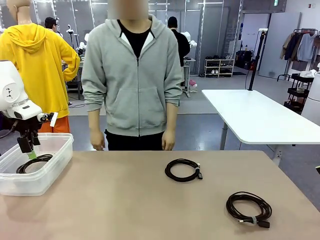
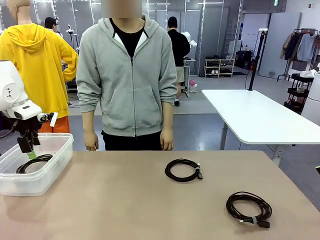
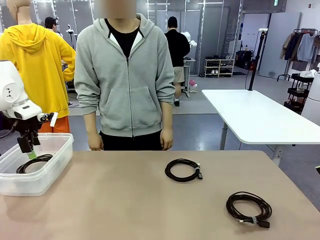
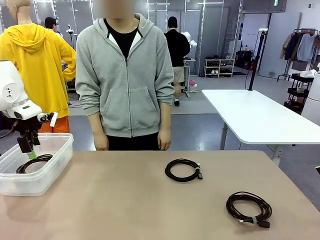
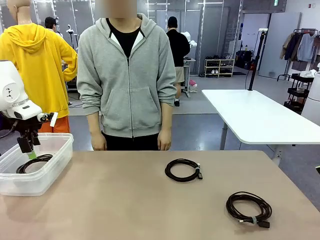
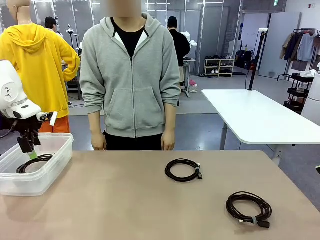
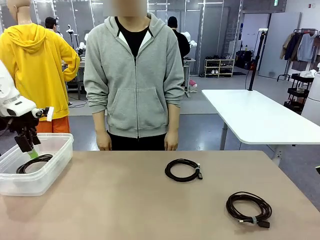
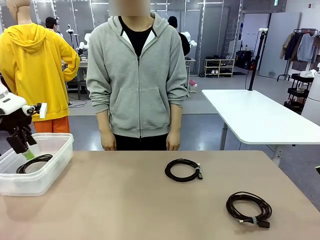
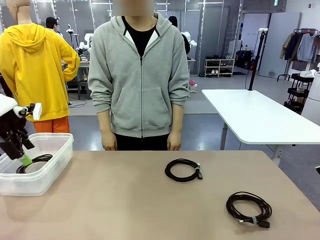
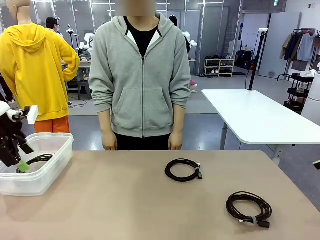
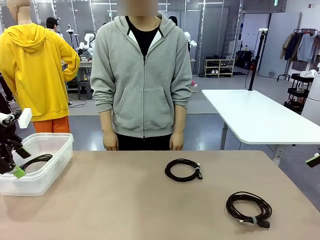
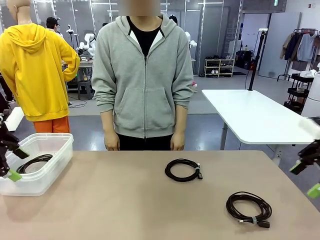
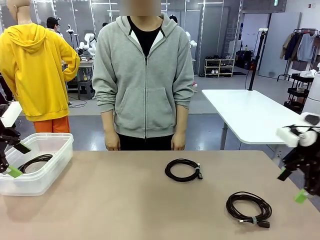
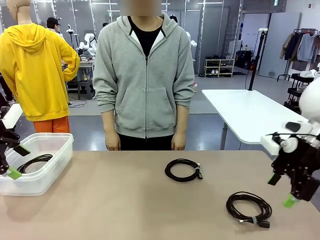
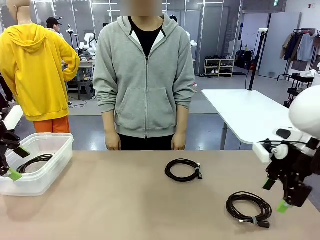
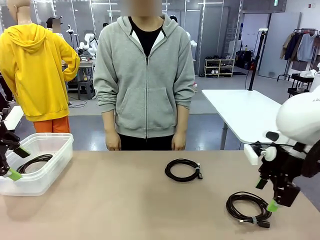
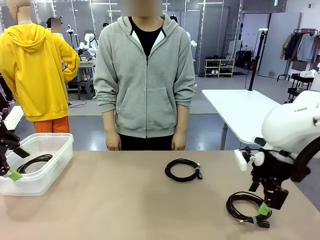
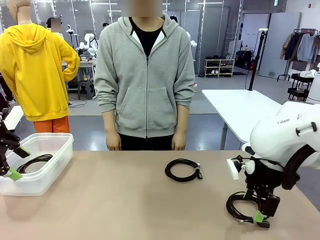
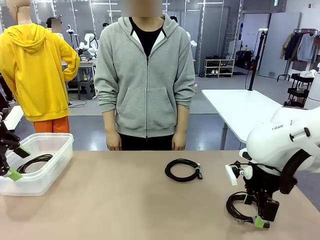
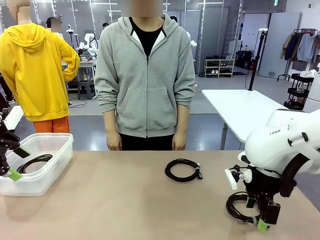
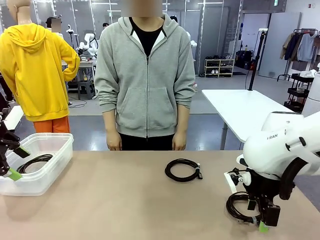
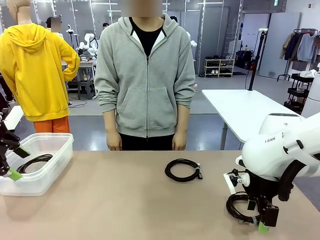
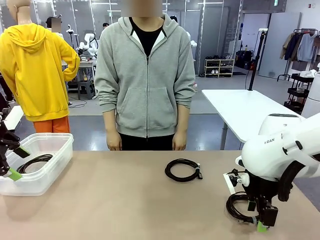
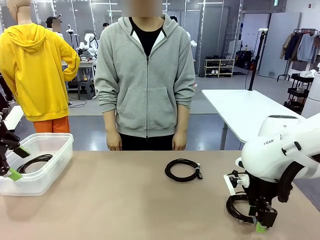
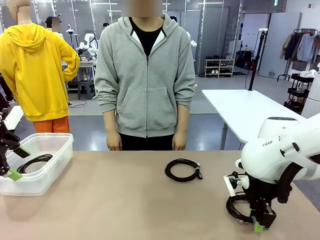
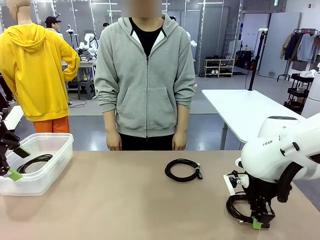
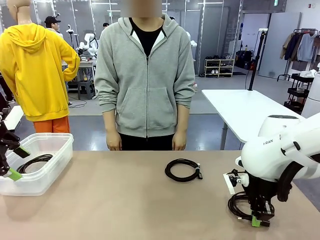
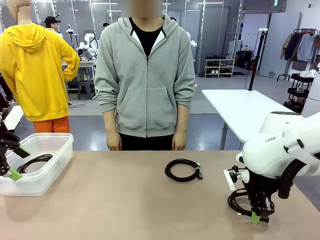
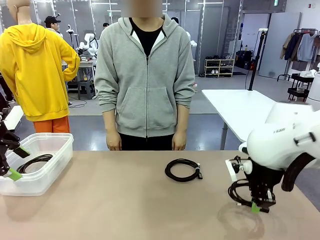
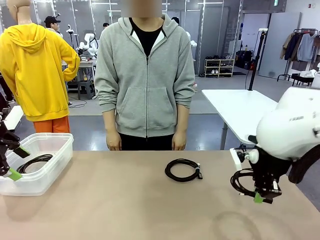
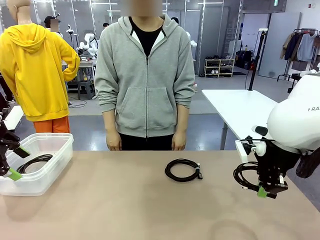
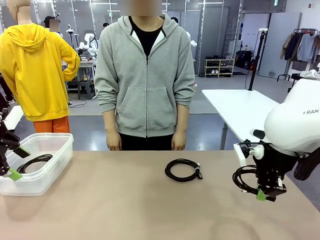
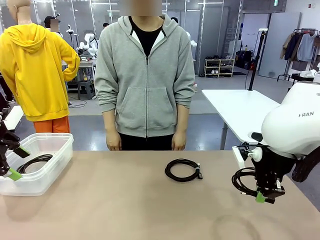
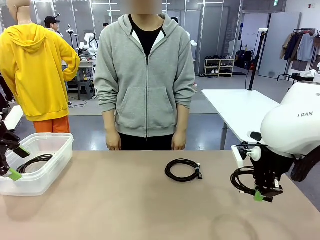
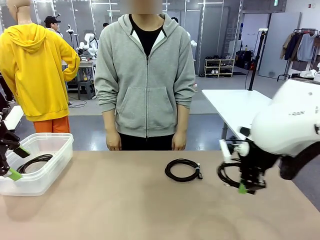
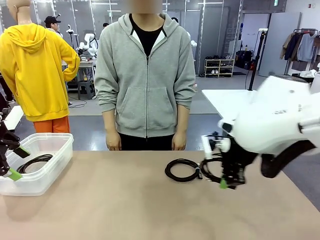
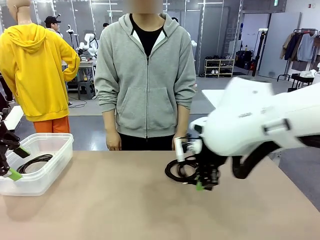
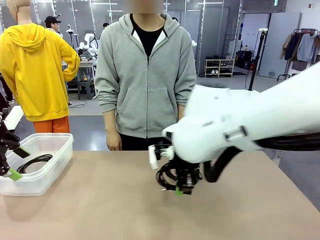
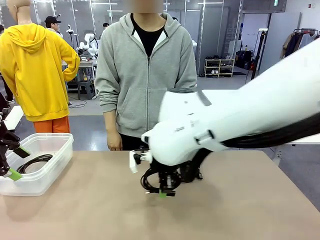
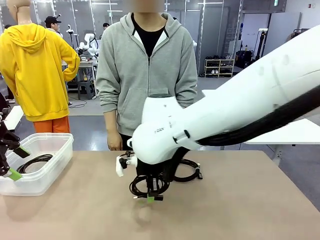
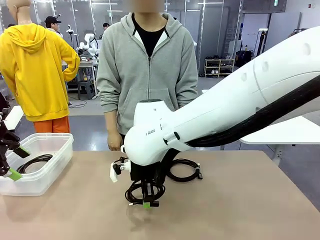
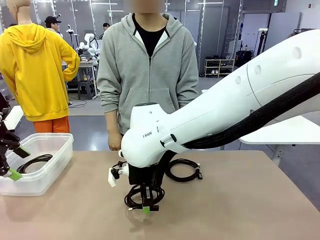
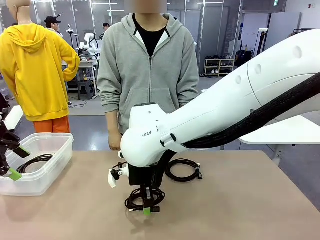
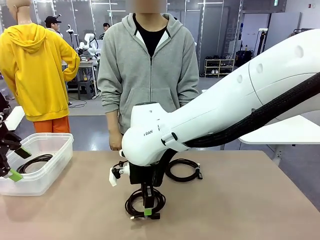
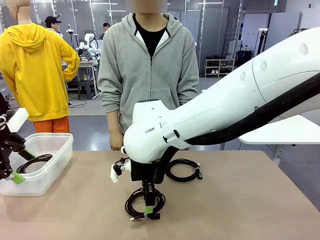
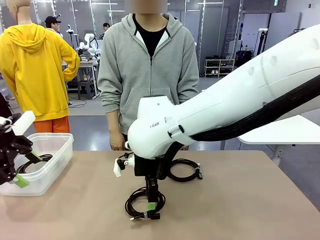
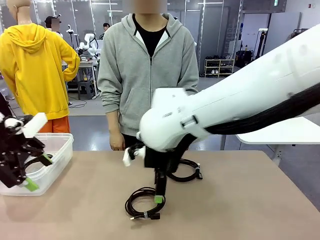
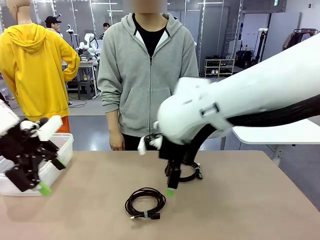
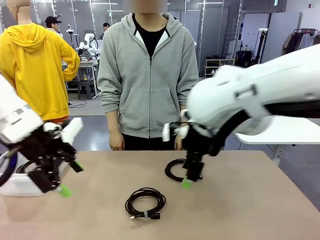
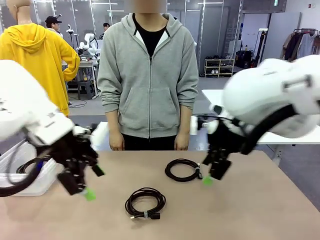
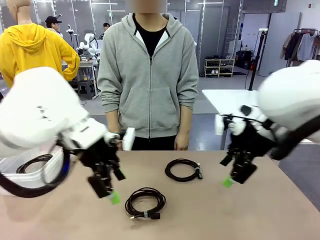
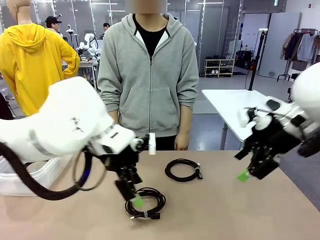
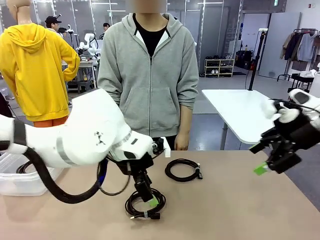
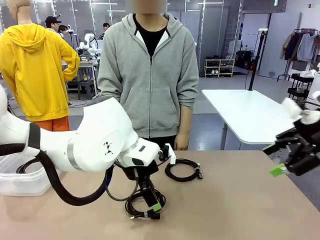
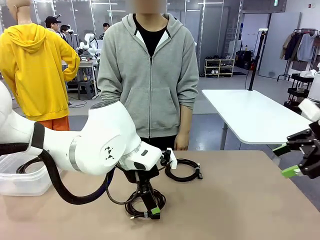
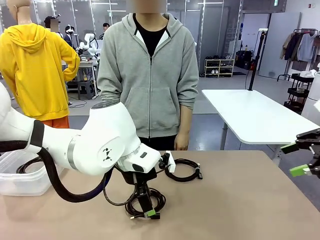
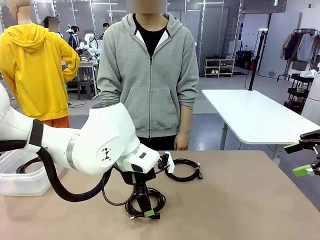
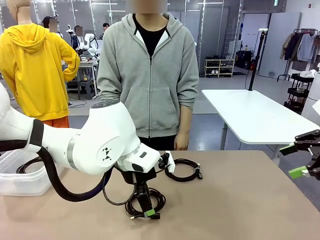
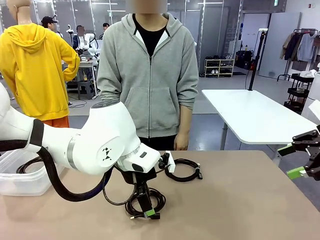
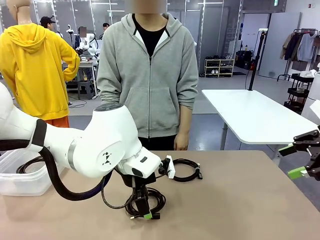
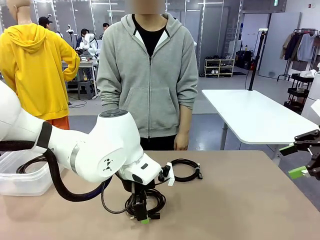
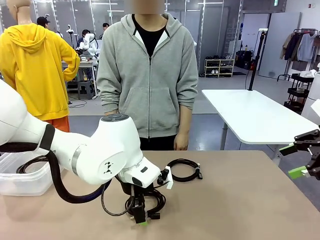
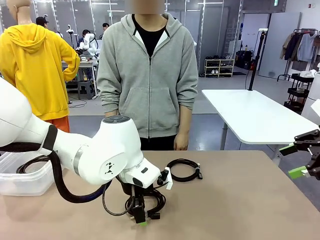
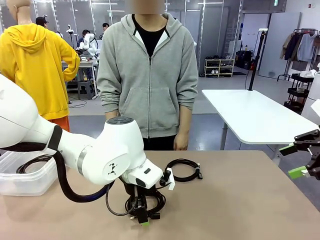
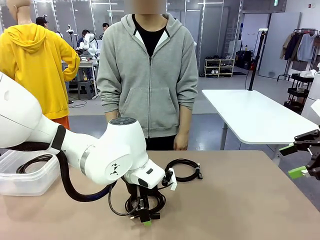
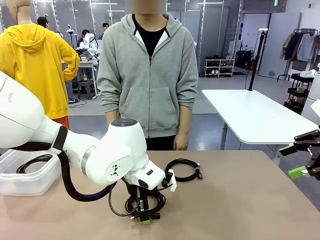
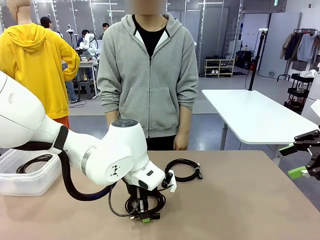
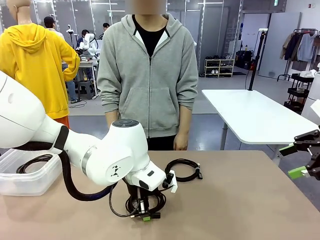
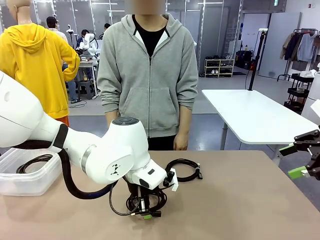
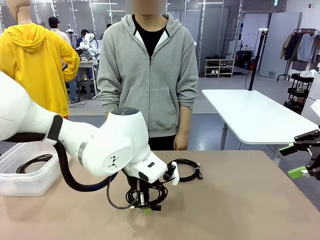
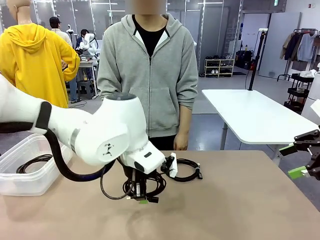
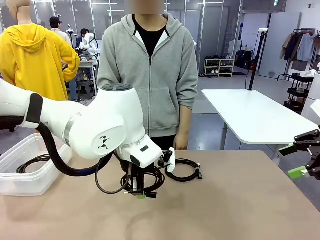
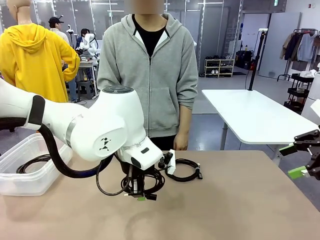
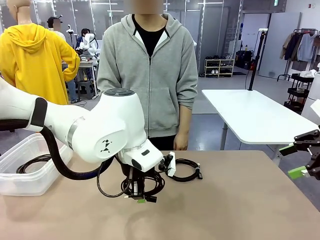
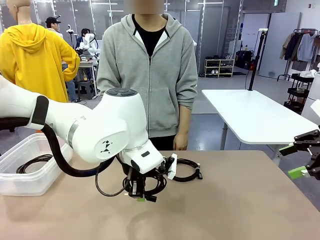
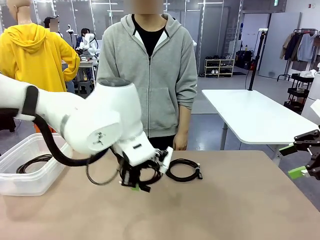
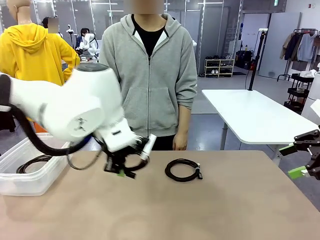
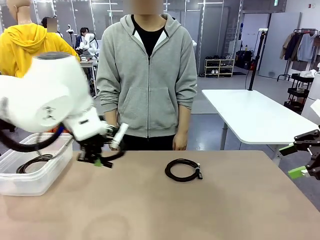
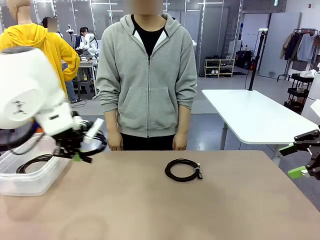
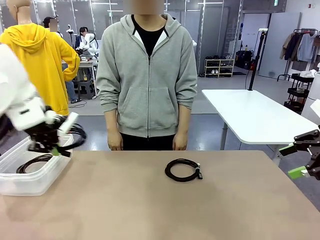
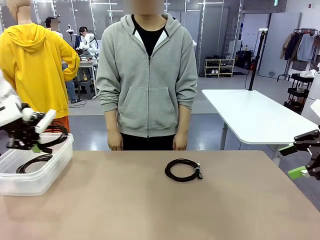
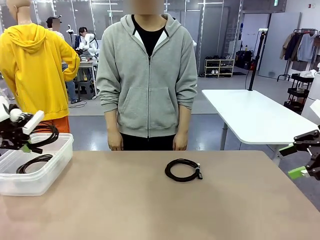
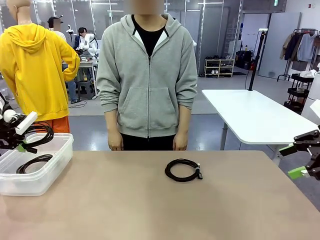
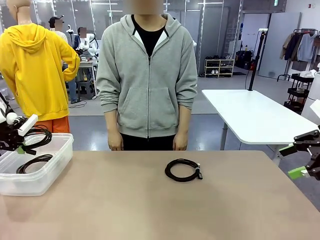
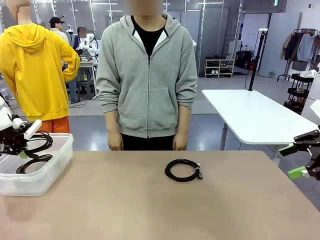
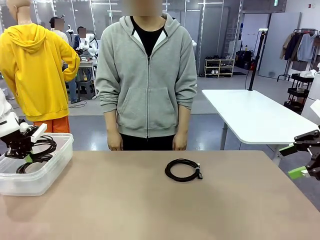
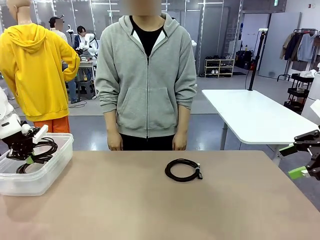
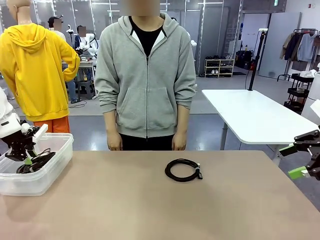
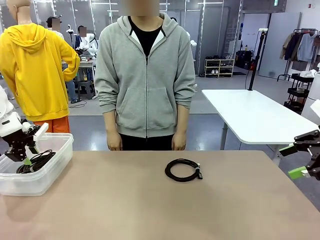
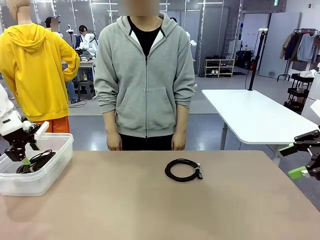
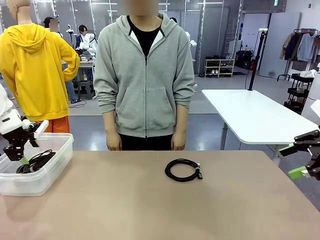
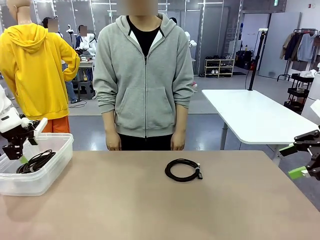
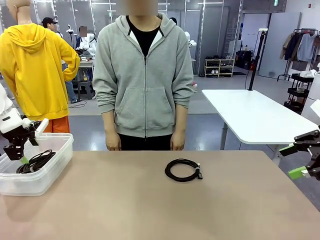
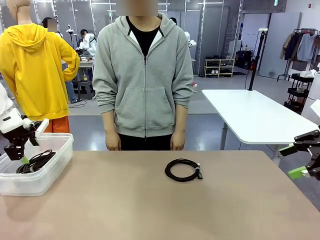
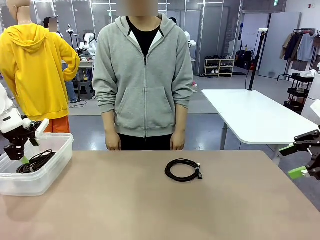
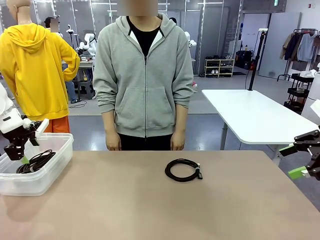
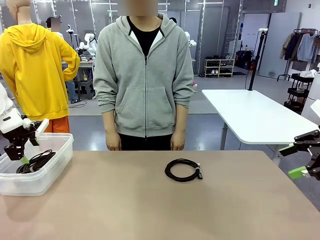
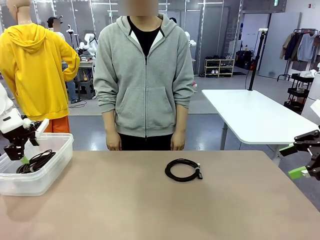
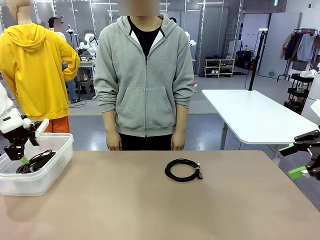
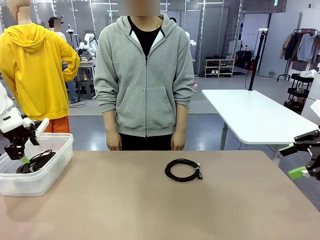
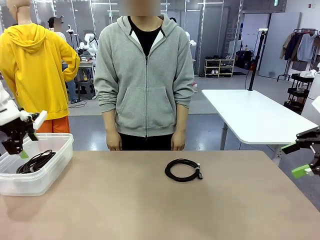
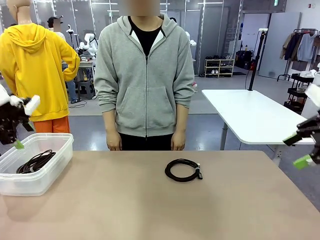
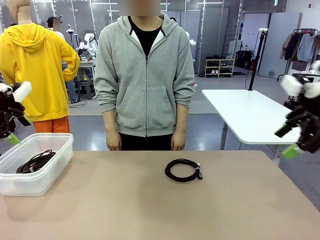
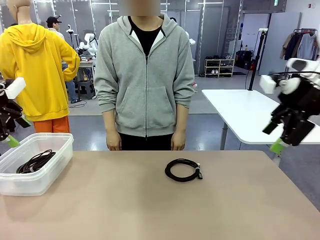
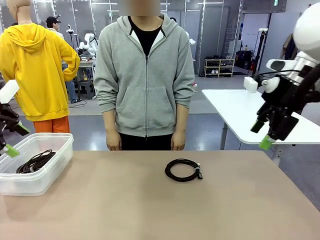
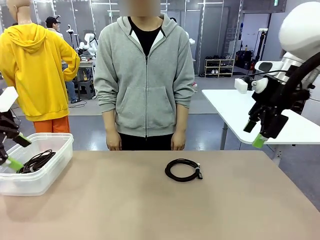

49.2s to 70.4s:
Task: Organize and store the cables.
Robot: Place the USB Extension Cable into the Organizing box.
